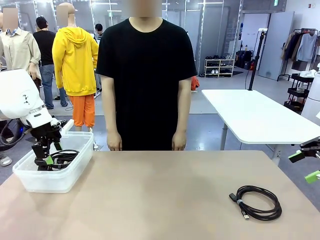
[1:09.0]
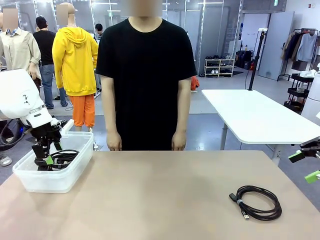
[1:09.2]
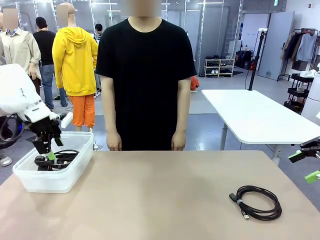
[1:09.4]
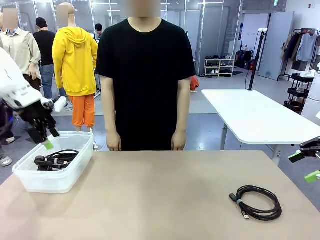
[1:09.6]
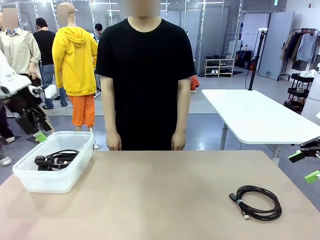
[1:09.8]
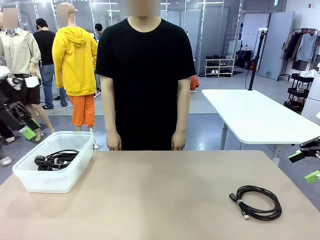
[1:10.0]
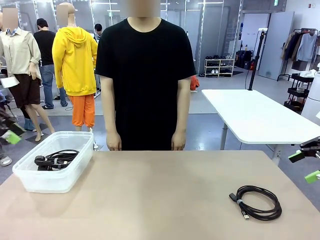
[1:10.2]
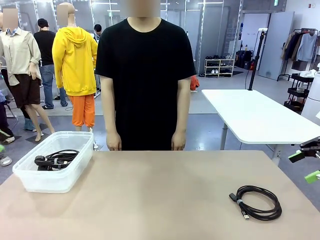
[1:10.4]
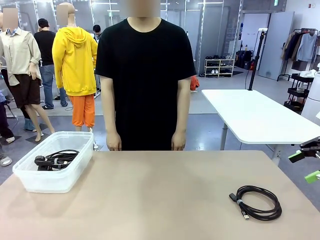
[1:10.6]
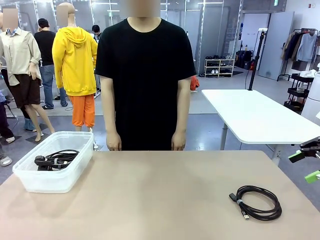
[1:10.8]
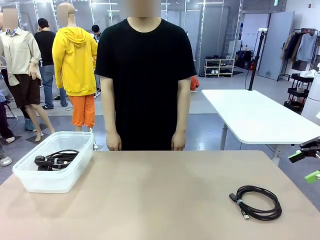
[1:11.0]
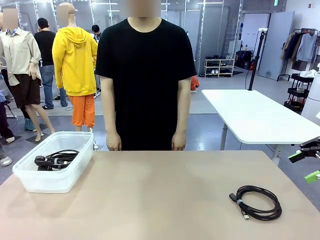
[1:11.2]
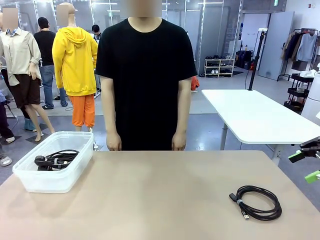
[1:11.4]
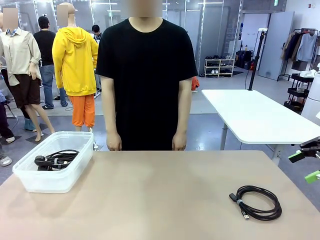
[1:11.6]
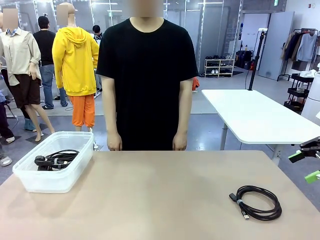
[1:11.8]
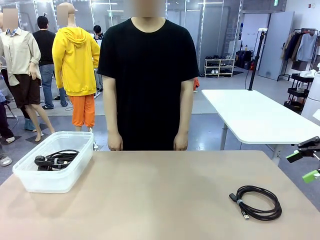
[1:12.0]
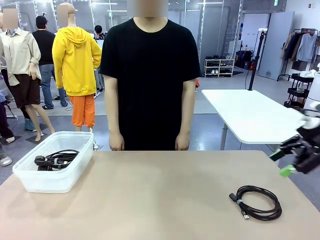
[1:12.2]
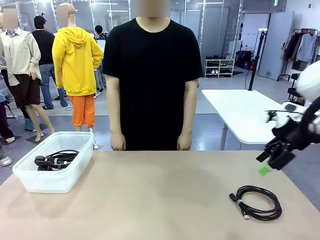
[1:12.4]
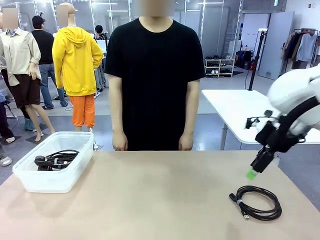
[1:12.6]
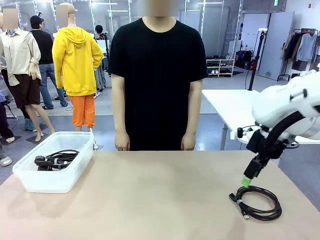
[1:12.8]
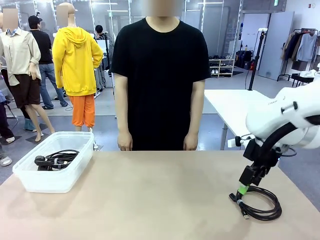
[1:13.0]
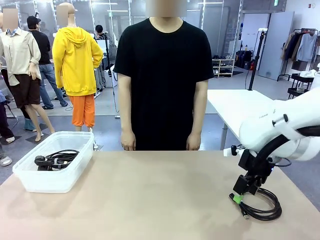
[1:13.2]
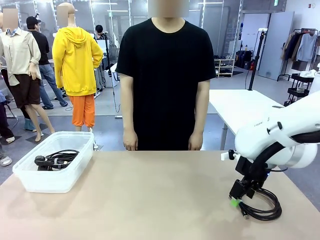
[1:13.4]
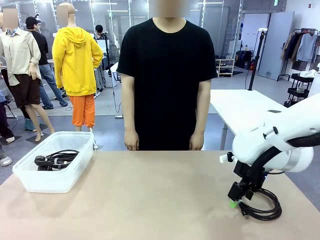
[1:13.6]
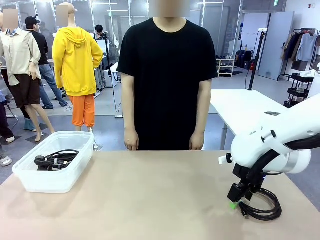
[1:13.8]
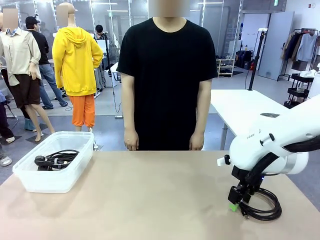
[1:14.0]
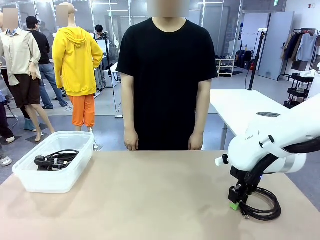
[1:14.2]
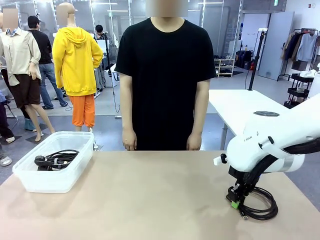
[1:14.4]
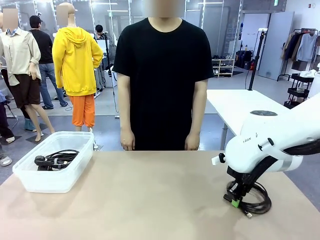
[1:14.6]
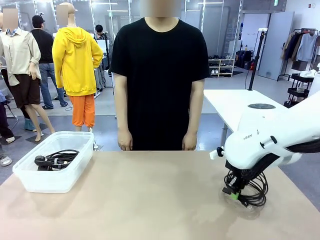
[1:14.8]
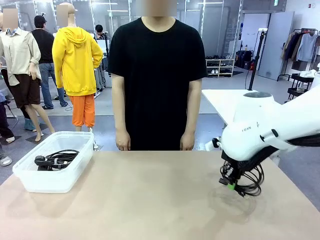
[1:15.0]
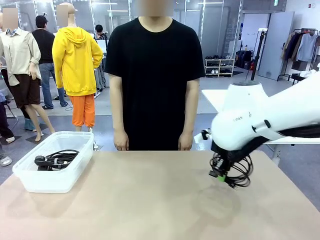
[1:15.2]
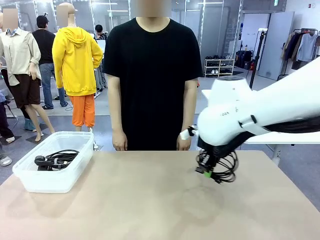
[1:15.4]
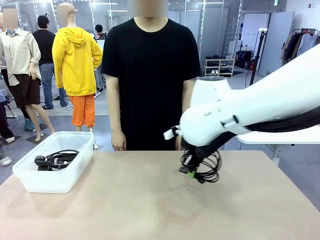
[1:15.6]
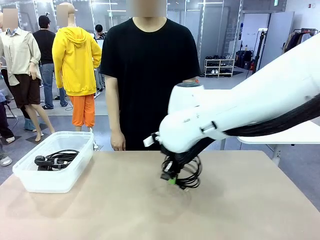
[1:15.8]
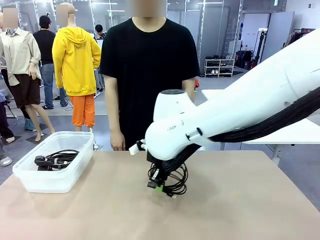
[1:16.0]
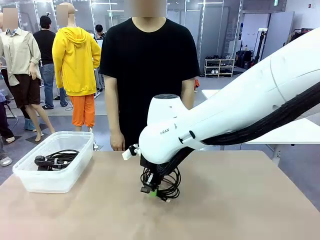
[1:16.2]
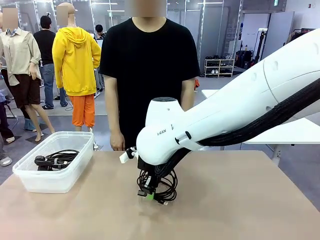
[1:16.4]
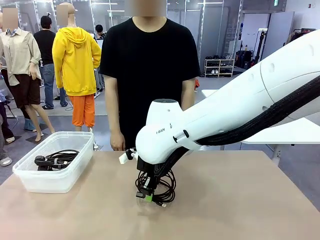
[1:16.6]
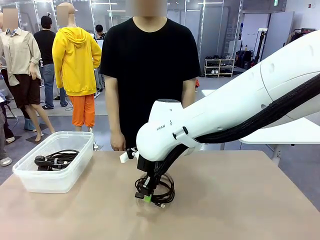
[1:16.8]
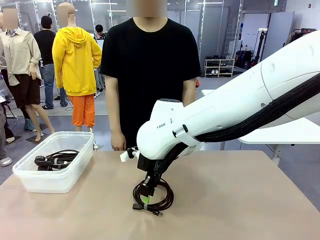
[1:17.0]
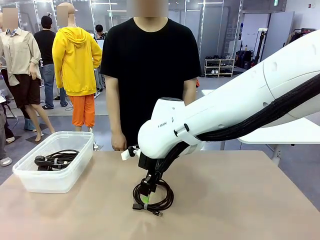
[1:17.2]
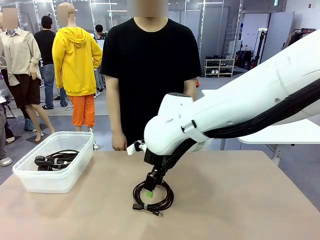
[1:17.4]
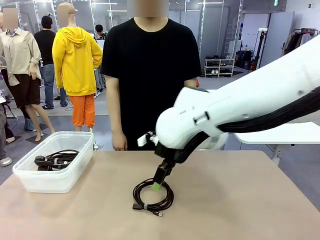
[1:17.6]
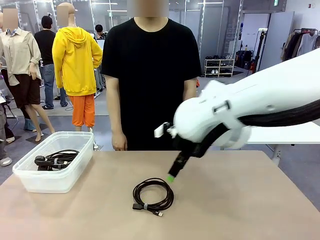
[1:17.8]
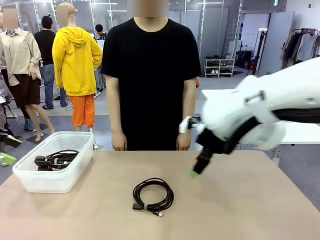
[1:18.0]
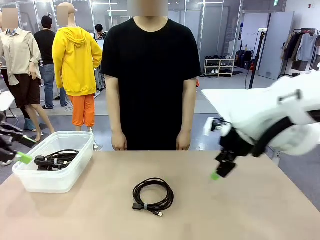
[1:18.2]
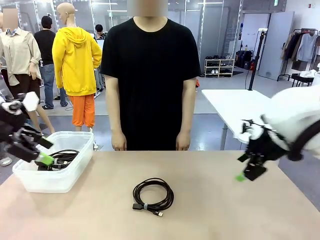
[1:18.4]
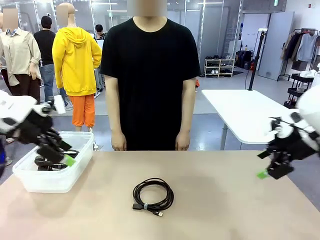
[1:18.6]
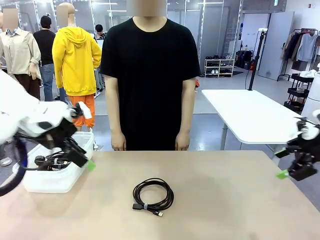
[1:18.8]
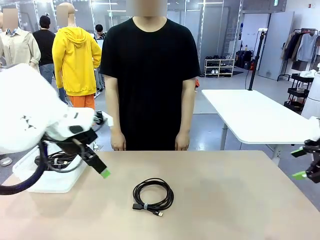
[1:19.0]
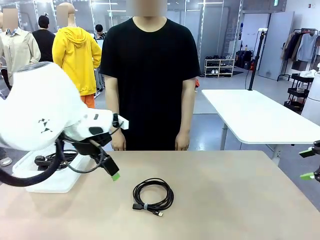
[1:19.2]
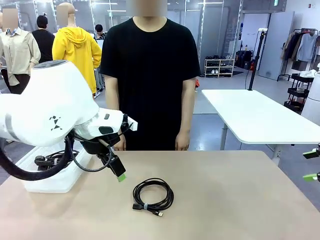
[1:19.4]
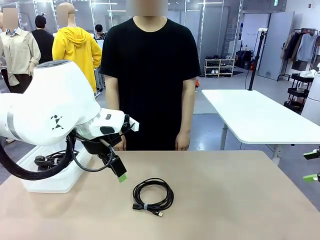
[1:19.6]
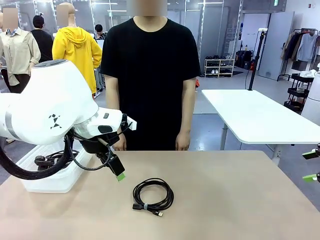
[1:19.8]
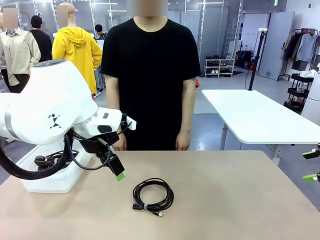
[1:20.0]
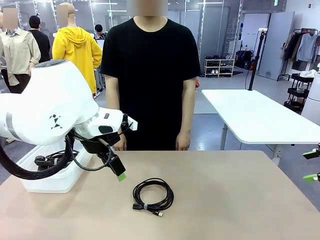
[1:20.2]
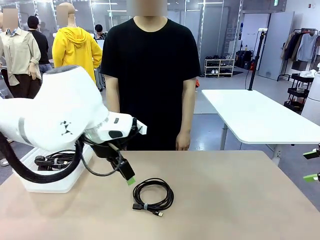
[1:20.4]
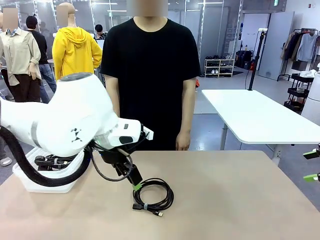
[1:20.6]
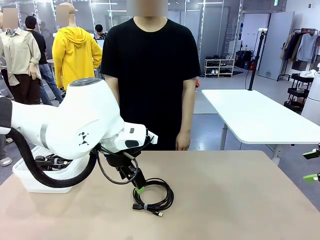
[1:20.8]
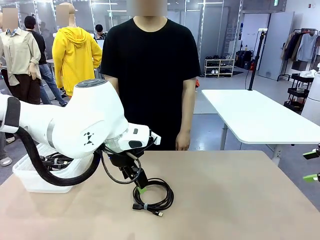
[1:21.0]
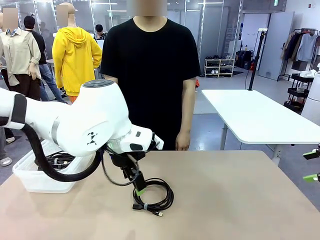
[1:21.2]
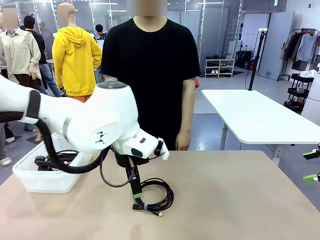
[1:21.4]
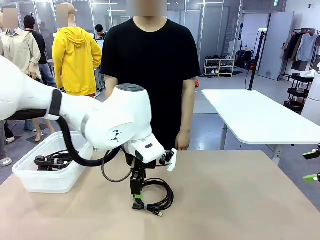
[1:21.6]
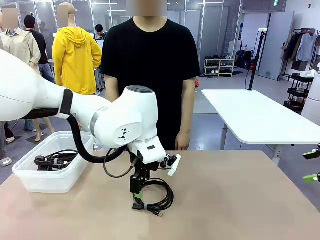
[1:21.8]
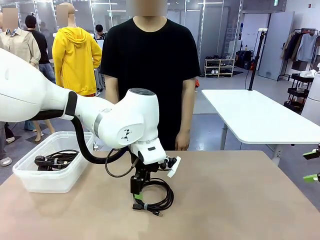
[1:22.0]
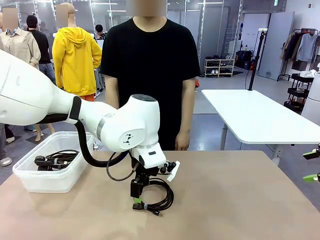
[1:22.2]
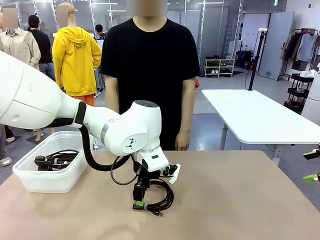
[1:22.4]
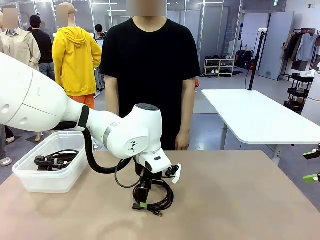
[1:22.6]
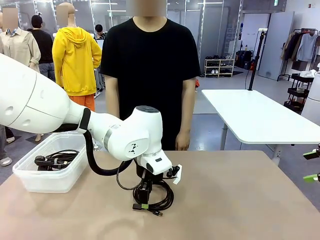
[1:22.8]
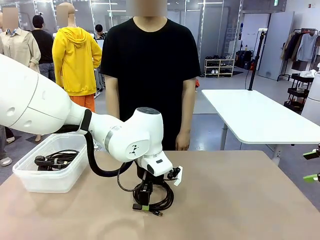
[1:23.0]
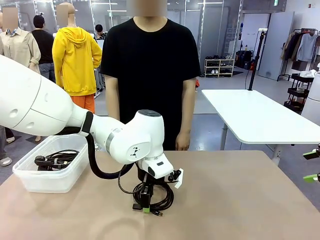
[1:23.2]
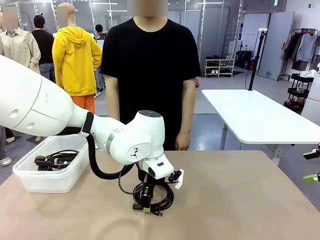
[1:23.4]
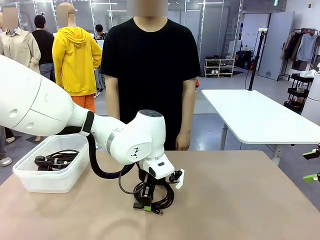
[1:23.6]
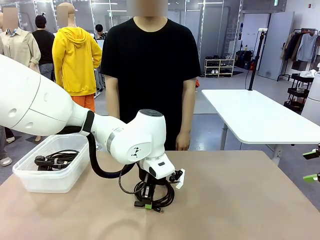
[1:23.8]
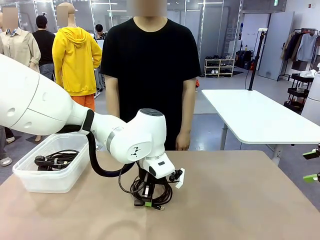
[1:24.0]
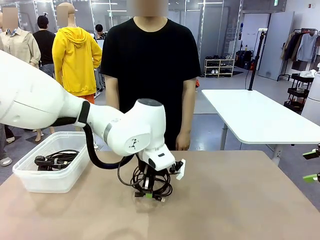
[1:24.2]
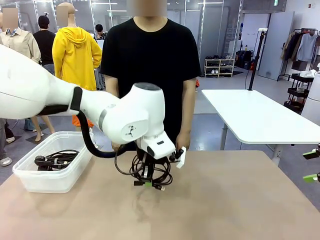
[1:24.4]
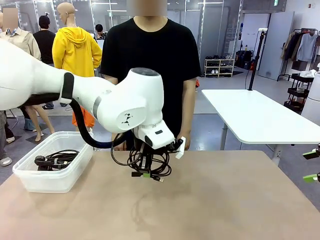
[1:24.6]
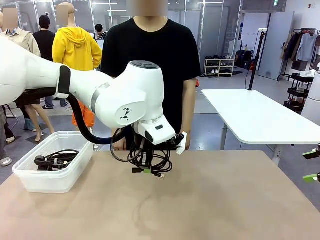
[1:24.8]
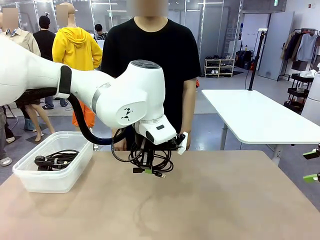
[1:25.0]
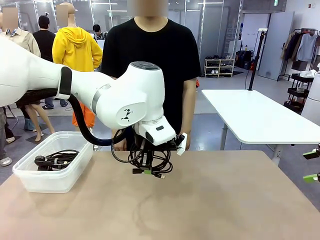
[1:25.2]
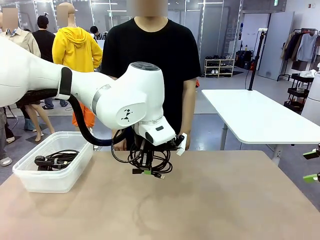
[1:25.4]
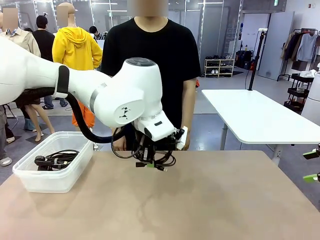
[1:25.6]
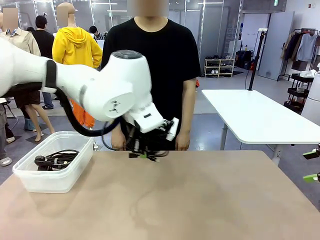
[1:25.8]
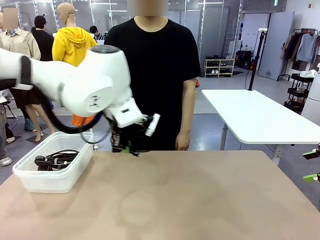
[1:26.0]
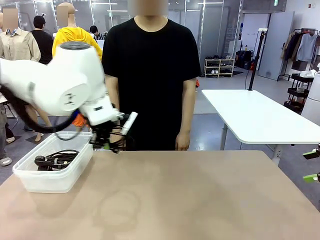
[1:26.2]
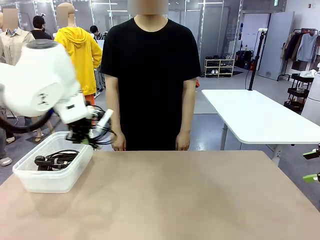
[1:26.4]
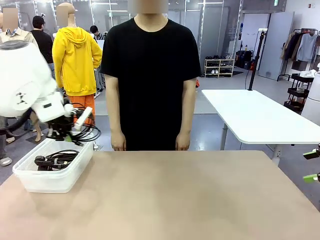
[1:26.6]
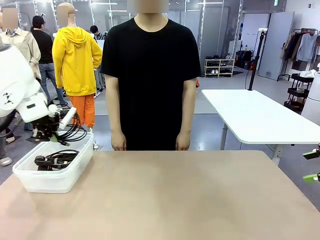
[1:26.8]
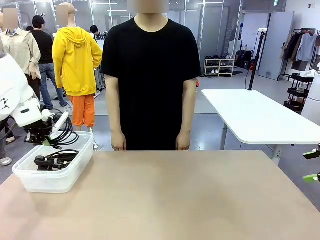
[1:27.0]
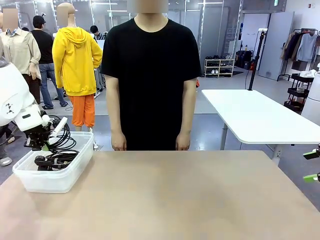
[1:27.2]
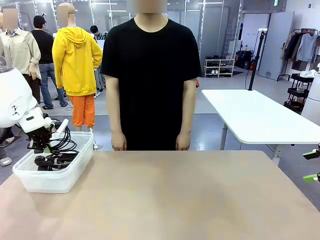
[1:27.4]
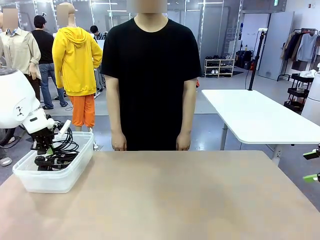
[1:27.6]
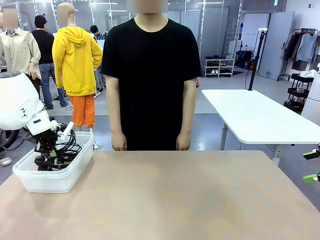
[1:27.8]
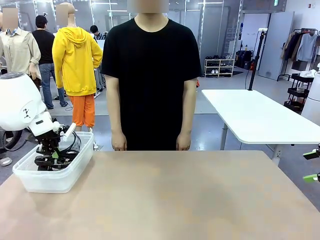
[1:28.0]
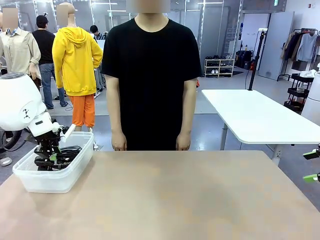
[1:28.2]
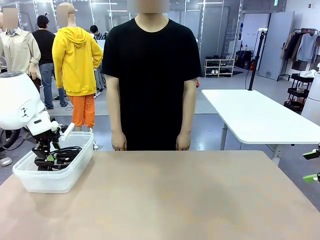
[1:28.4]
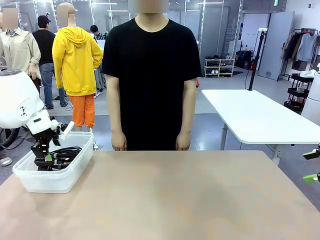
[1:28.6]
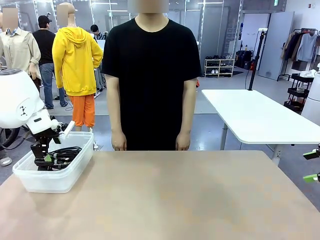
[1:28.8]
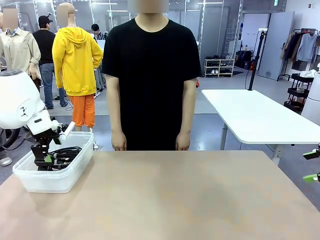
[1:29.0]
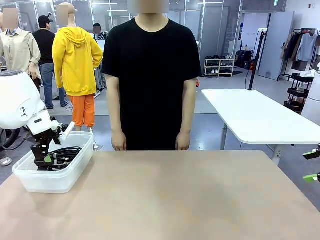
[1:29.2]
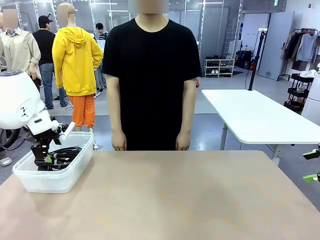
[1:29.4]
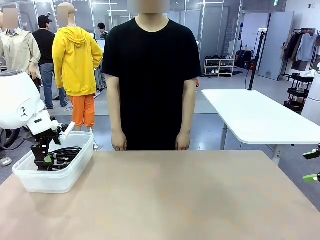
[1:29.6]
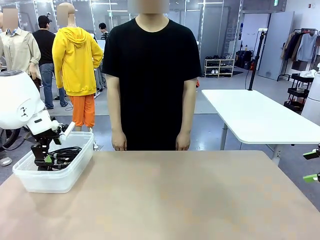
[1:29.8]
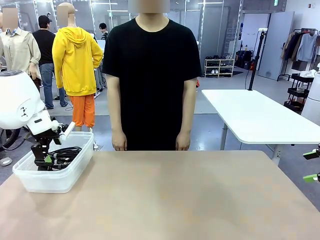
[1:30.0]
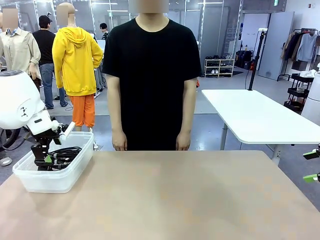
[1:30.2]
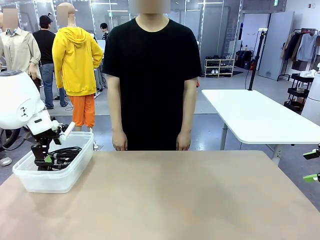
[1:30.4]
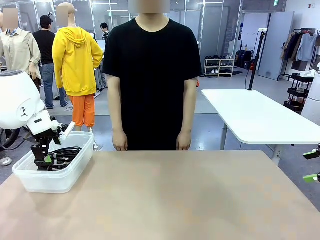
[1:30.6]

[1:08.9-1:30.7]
Task: Organize and store the cables.
Robot: Place the USB Extension Cable into the Organizing box.
